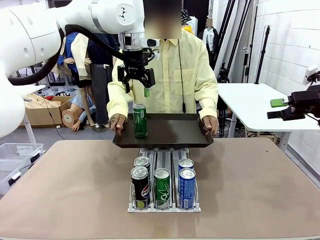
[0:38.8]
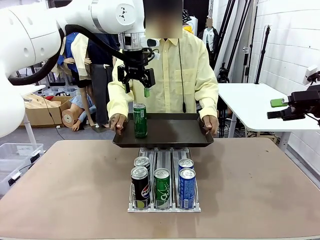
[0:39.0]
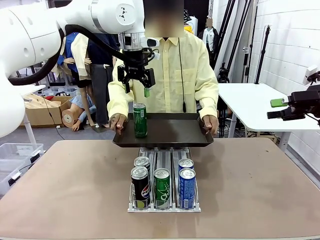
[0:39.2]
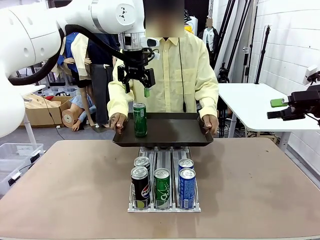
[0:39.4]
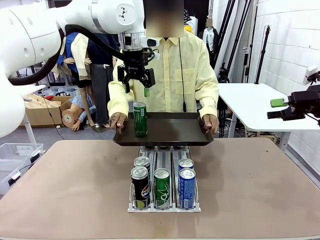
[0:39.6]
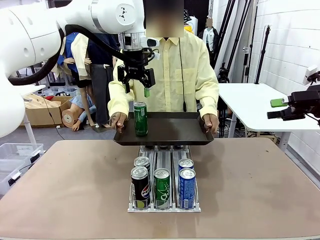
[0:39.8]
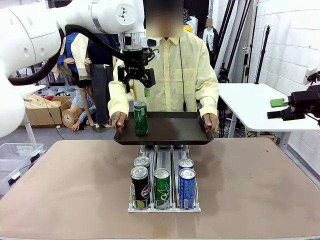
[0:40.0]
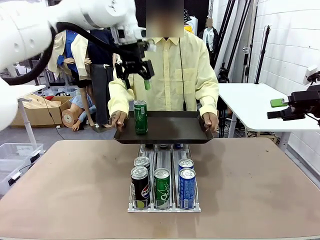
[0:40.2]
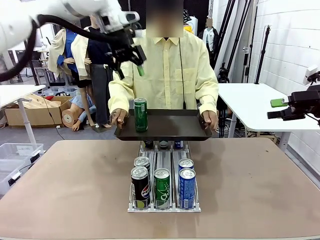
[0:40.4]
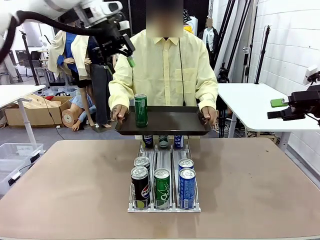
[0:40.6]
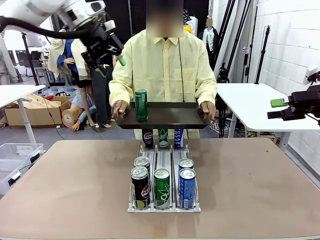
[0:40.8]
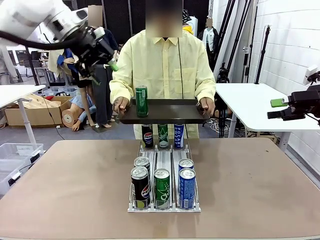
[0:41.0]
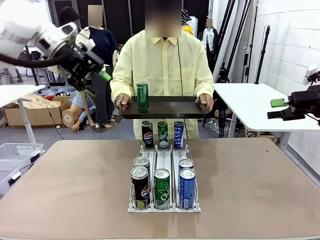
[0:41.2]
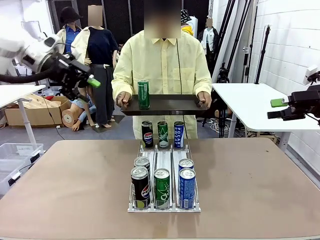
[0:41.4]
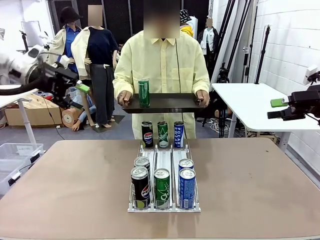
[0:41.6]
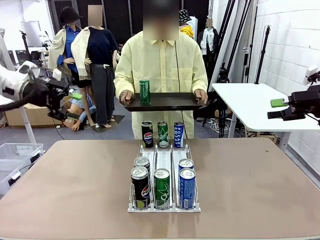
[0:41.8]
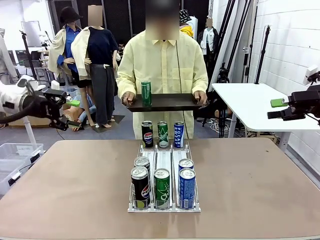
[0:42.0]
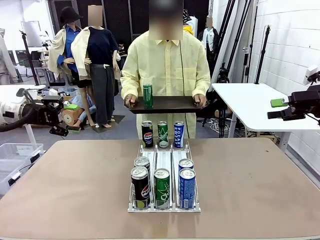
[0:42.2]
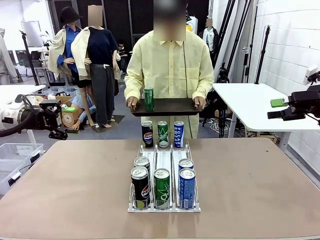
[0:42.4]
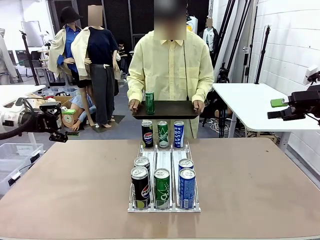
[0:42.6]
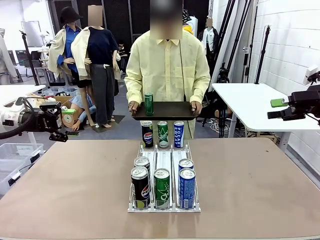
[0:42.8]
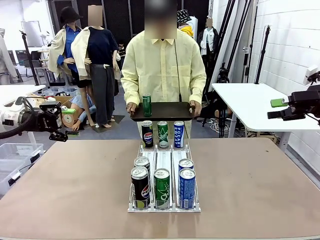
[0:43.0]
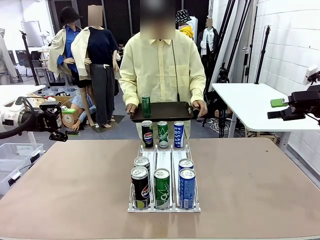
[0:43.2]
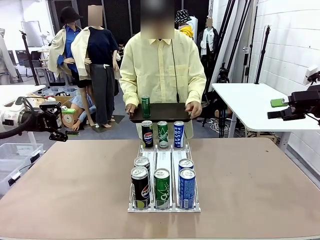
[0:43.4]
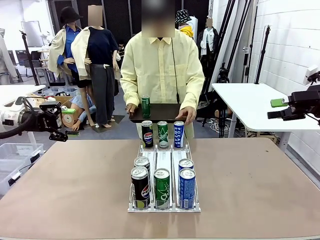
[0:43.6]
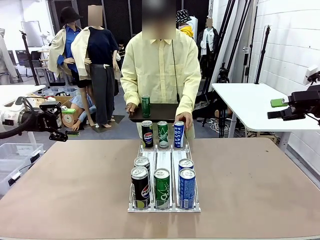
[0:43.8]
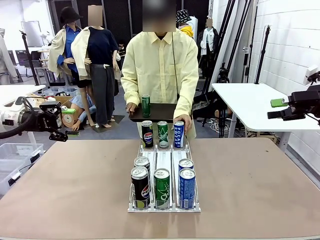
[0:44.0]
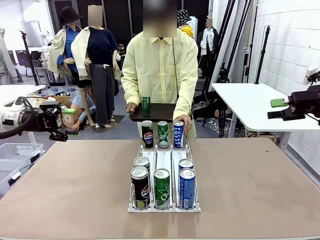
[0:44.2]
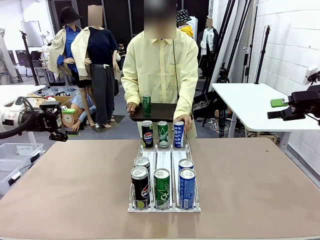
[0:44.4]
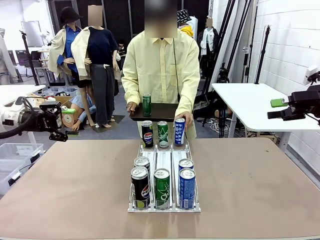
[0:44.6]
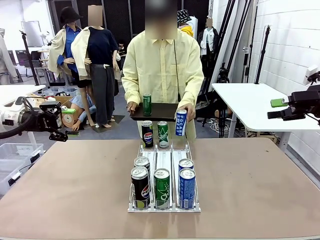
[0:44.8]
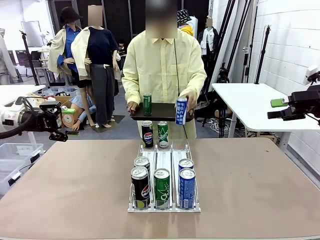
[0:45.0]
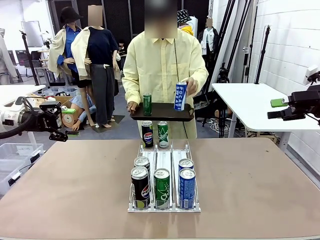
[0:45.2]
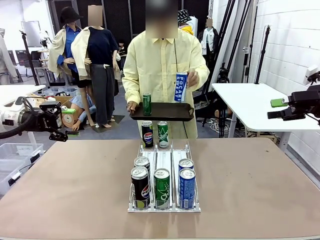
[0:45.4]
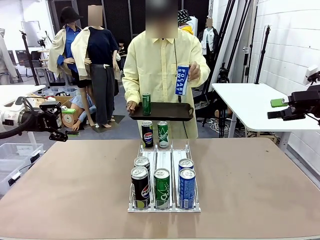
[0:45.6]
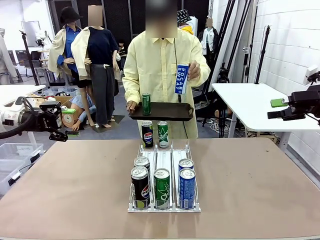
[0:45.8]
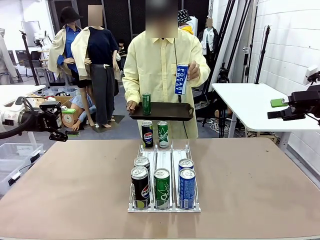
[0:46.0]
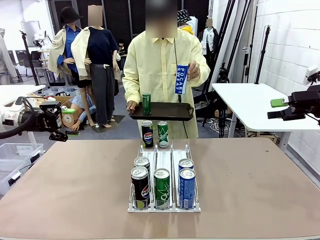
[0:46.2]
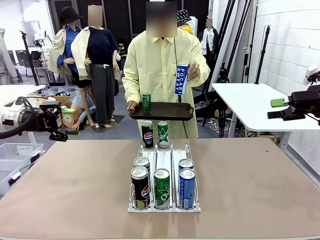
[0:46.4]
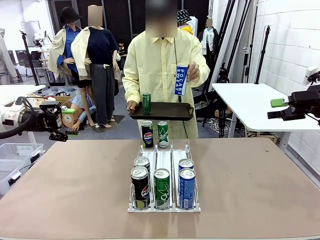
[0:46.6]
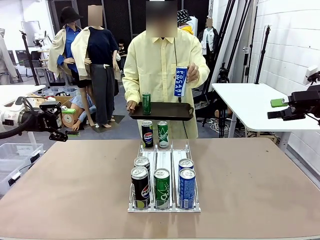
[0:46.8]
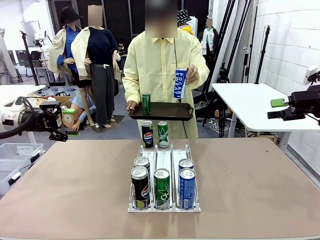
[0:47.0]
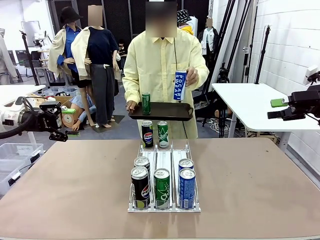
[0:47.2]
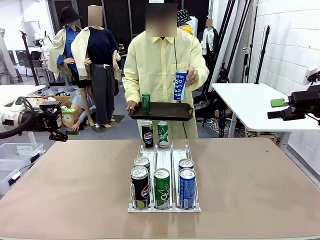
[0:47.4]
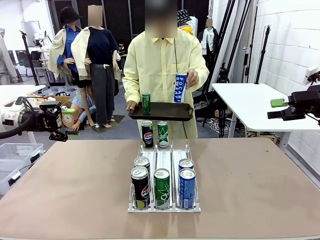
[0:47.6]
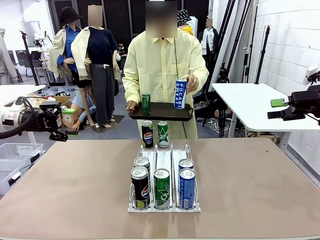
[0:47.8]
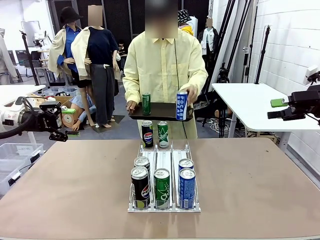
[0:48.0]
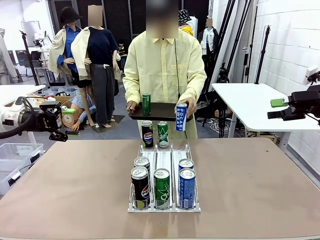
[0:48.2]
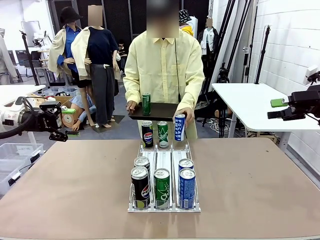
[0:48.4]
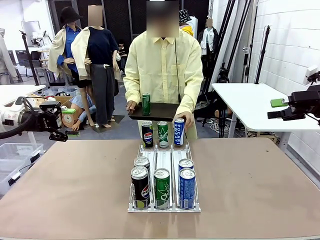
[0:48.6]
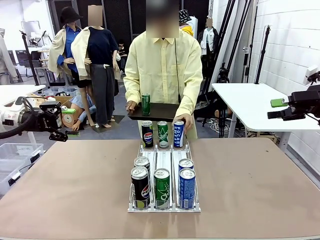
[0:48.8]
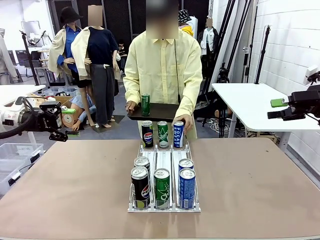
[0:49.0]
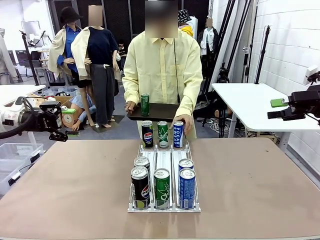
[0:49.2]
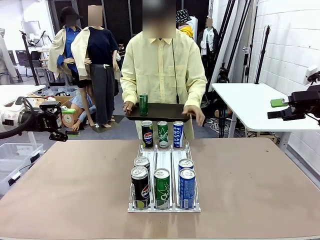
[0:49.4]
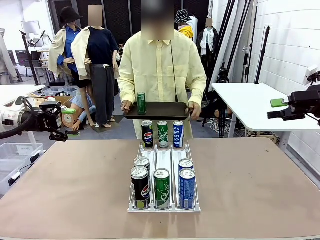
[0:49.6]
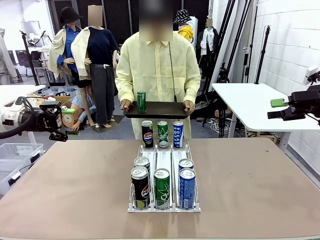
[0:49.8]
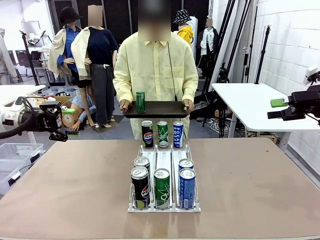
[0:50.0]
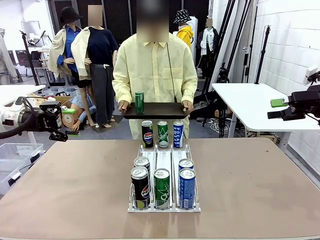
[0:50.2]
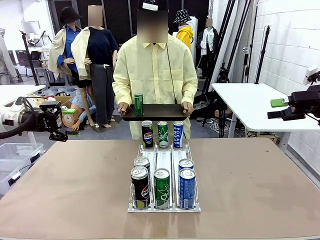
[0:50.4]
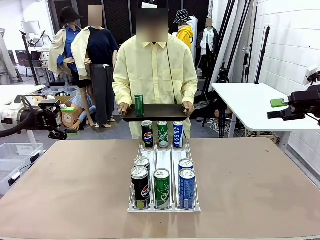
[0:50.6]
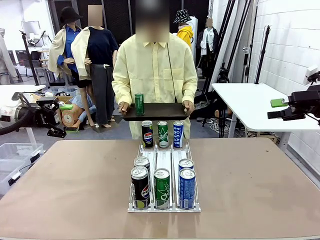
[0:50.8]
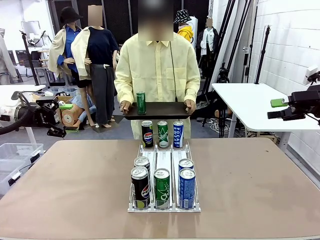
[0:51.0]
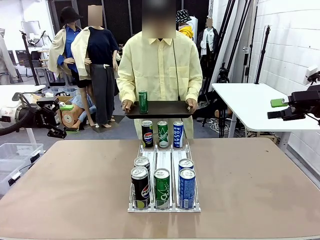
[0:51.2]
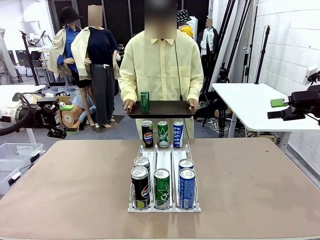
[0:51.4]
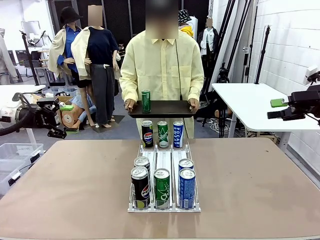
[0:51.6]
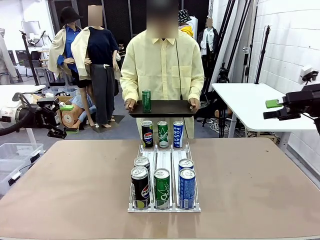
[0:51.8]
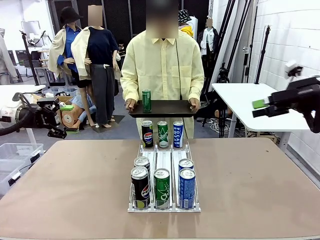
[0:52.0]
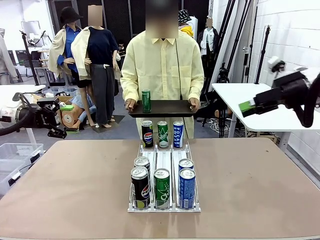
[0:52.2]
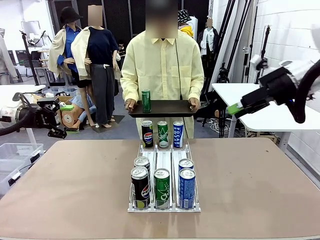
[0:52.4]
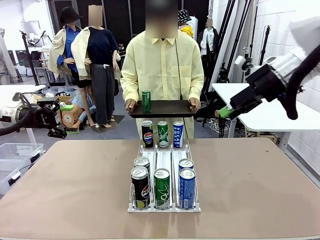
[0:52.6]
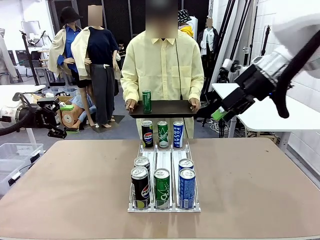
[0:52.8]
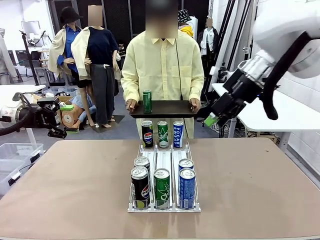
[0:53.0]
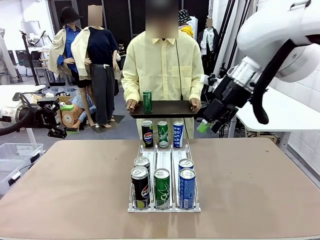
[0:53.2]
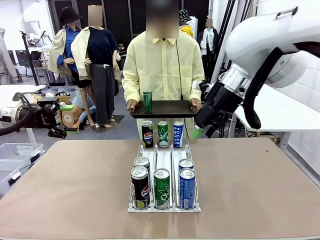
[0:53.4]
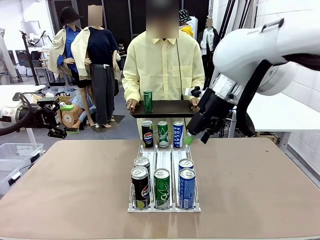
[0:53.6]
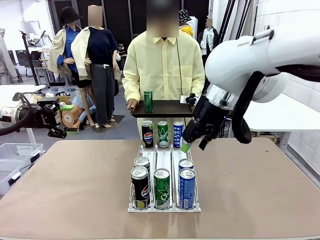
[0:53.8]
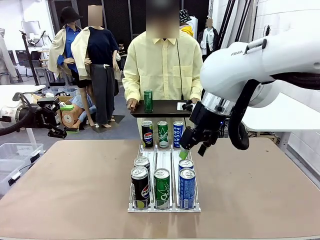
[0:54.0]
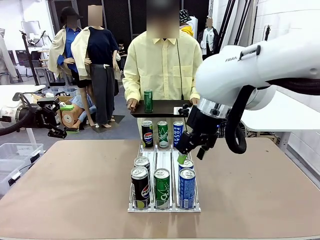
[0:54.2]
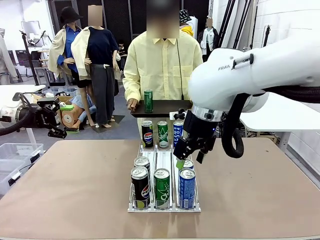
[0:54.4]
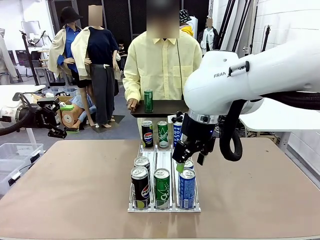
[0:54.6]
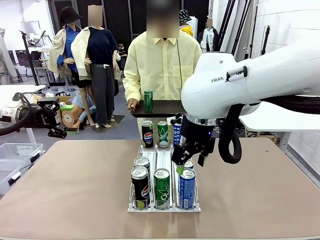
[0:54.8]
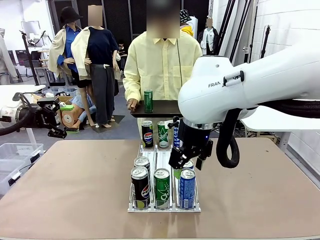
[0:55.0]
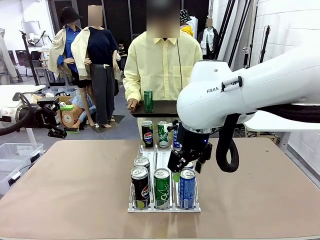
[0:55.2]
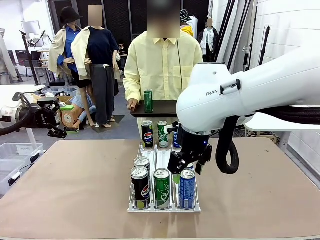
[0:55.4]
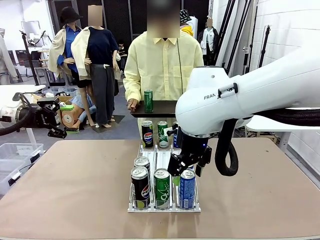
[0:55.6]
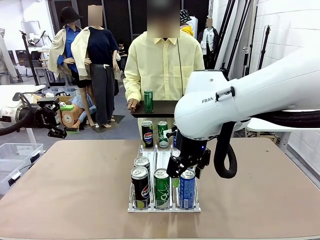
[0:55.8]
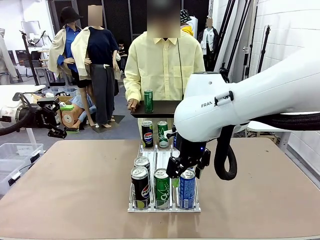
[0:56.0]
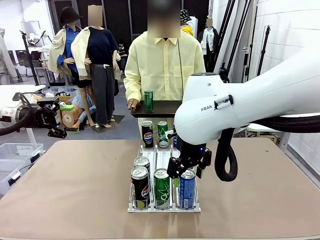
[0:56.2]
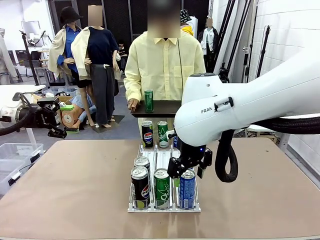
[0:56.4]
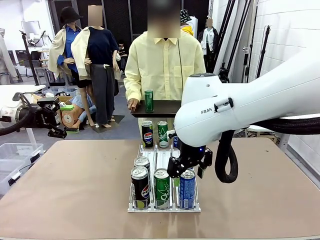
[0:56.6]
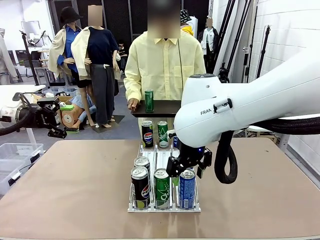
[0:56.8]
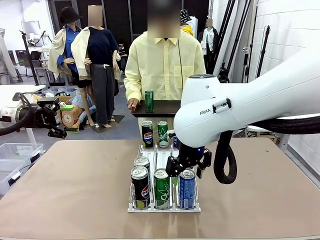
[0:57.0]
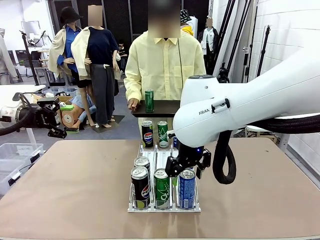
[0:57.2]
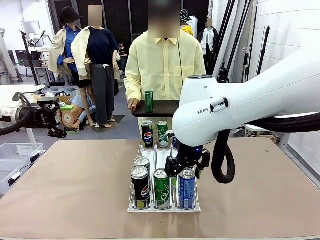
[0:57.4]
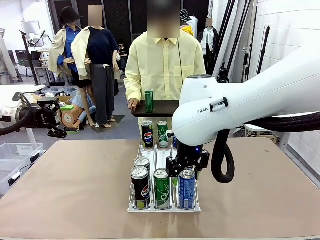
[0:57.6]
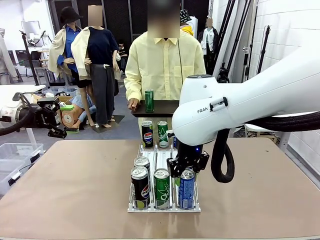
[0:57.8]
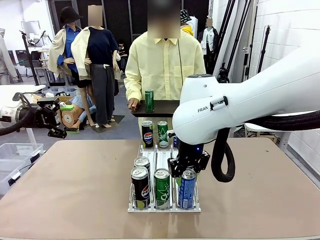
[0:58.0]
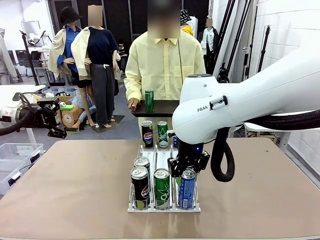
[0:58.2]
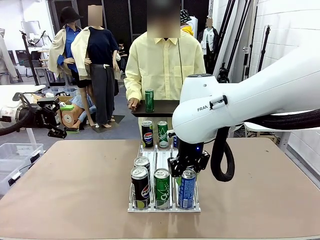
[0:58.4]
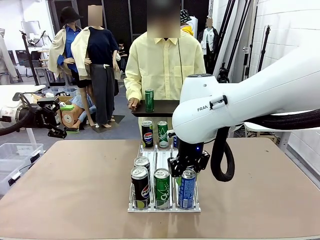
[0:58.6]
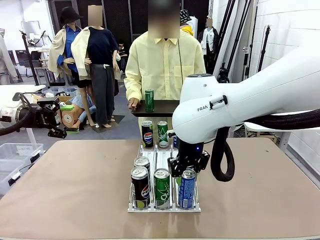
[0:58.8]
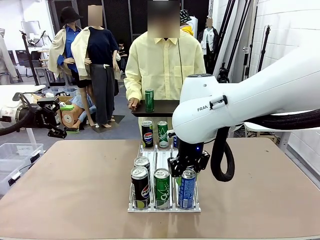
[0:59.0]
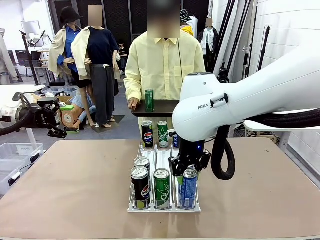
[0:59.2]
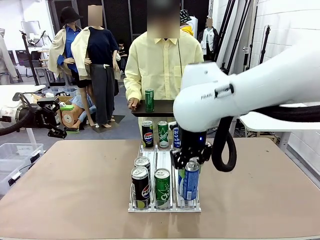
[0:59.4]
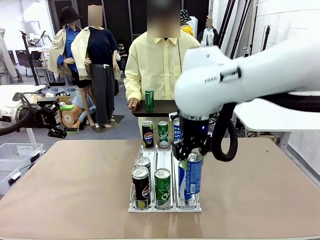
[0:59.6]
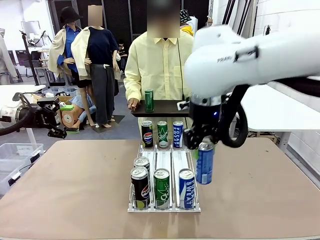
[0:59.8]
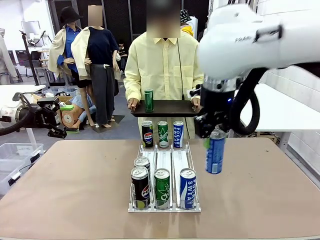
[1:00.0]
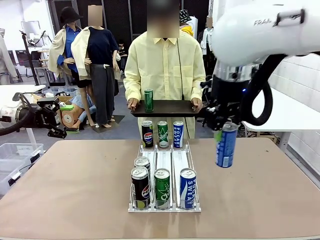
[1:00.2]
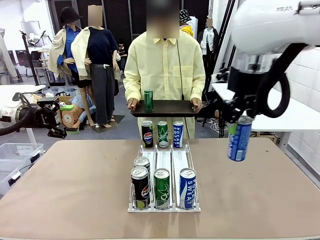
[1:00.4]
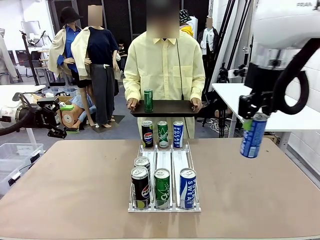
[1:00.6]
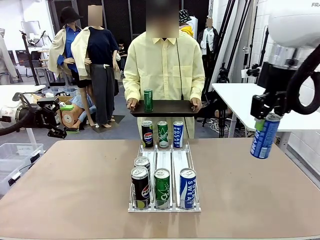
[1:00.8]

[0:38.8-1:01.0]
Task: Retrieve and hand over the desired beverage to the person.
Robot: Pick up another can of the same type that the person held from the Automatic Can Dispenser.
Person: Pull the tray back, then pick up another can from the bottom area of the table and puts it back in its original place. Push the tray toward the robot again.
